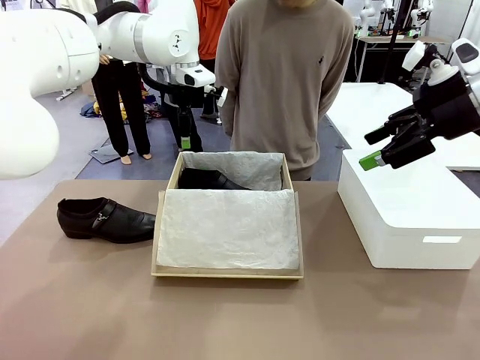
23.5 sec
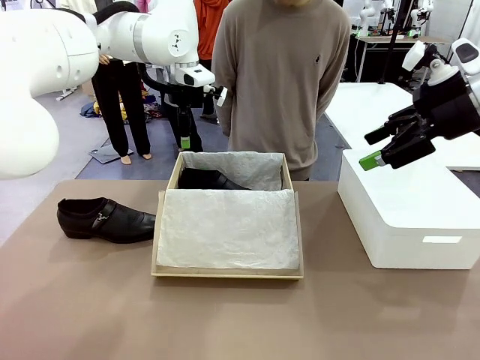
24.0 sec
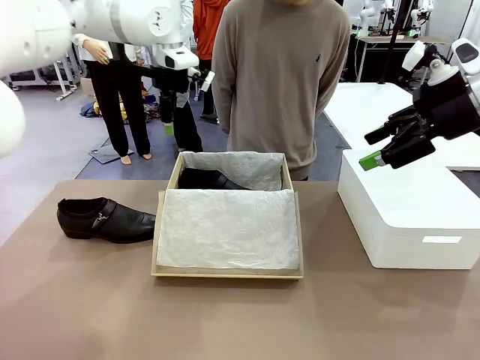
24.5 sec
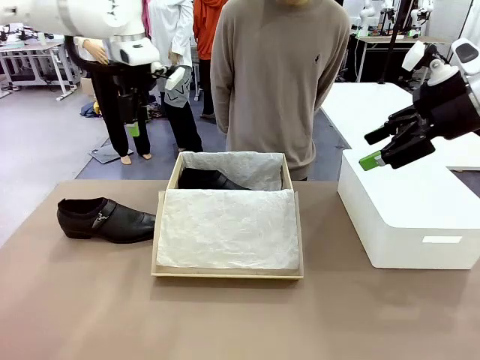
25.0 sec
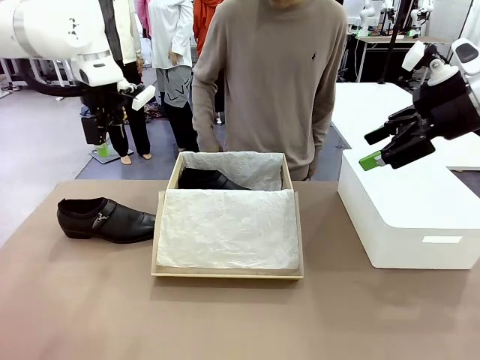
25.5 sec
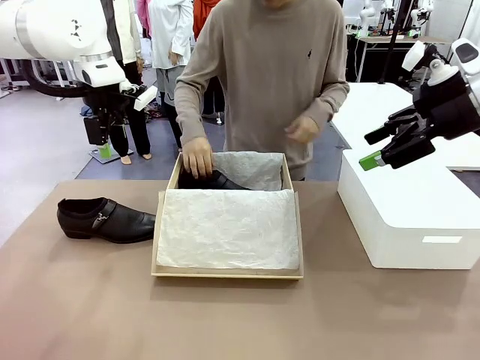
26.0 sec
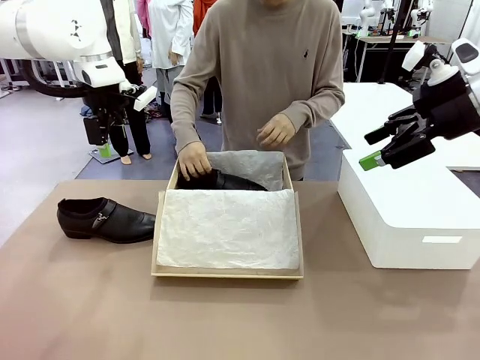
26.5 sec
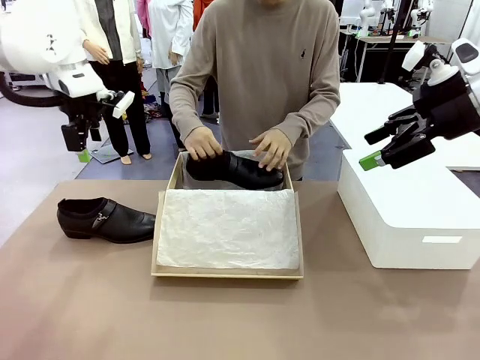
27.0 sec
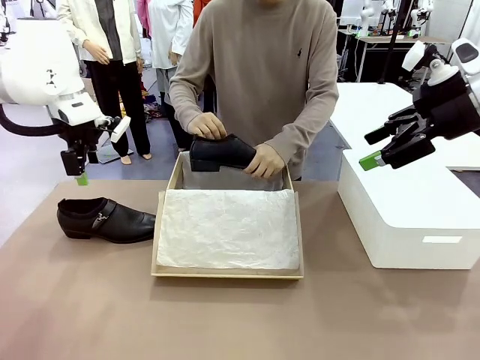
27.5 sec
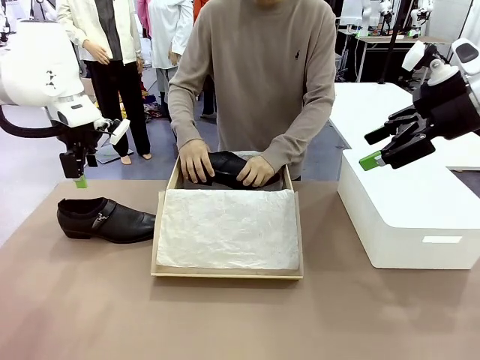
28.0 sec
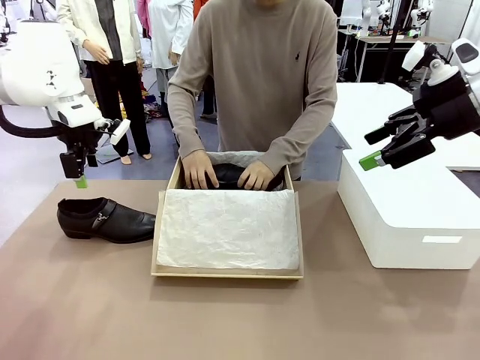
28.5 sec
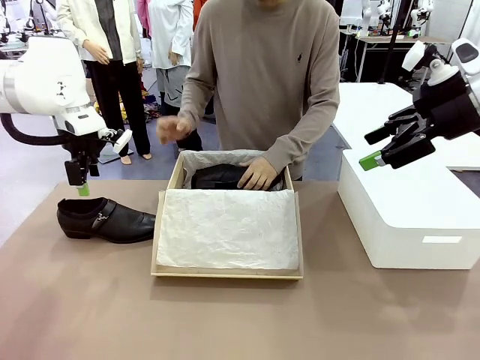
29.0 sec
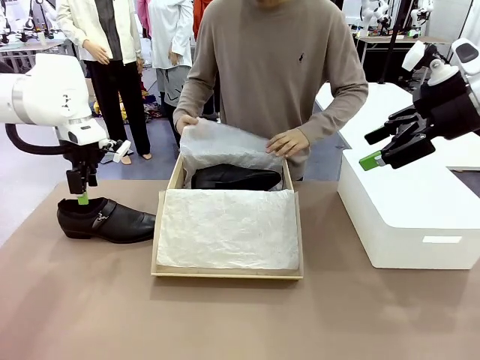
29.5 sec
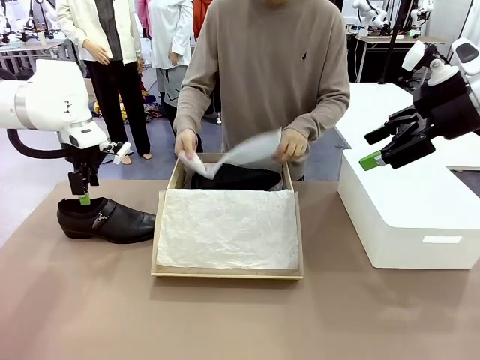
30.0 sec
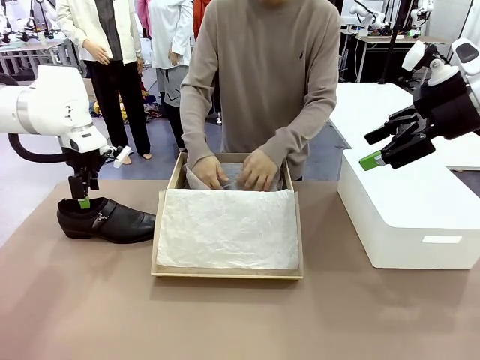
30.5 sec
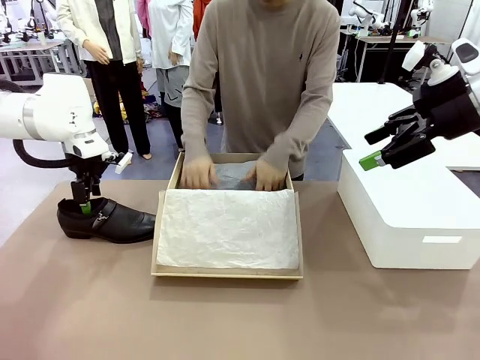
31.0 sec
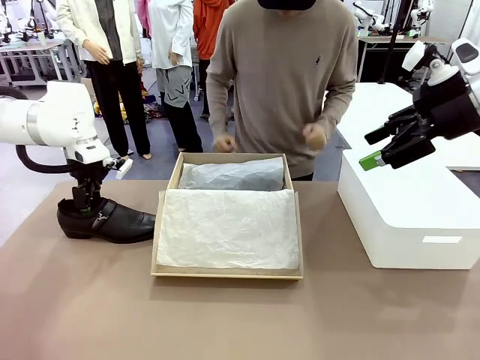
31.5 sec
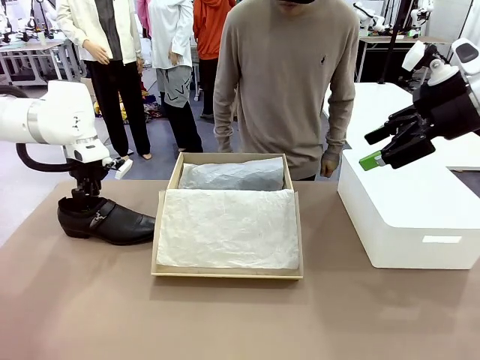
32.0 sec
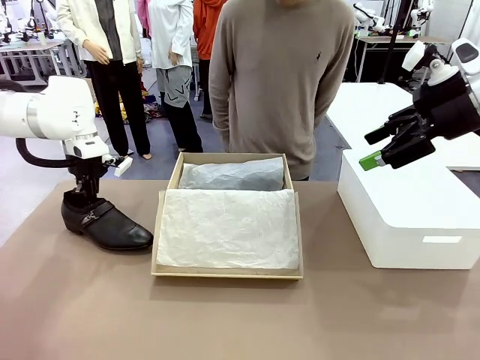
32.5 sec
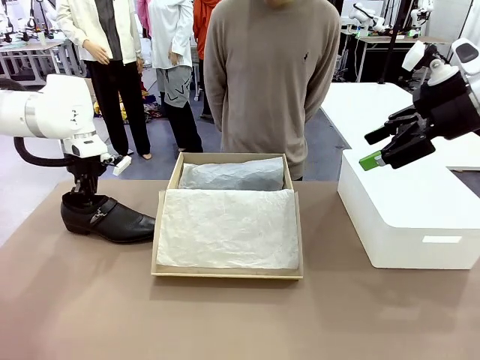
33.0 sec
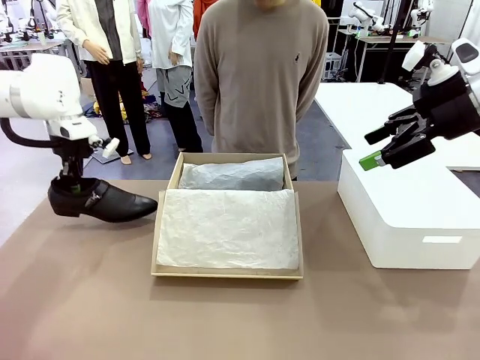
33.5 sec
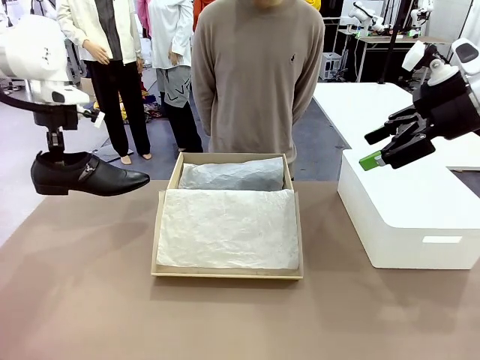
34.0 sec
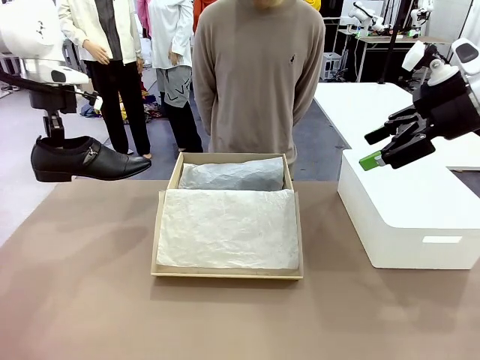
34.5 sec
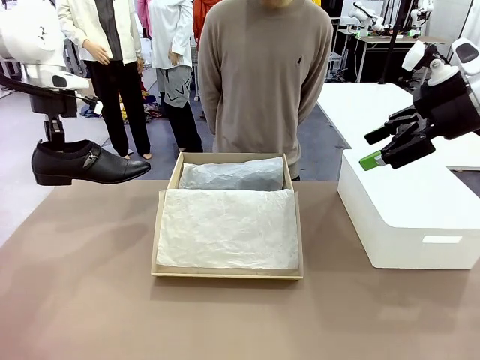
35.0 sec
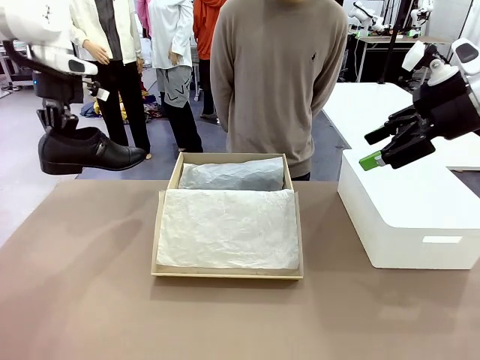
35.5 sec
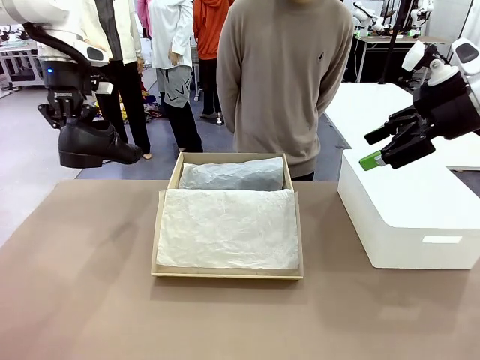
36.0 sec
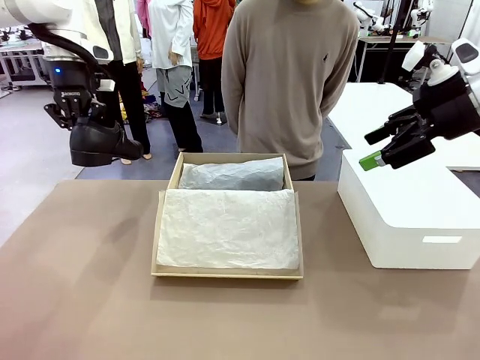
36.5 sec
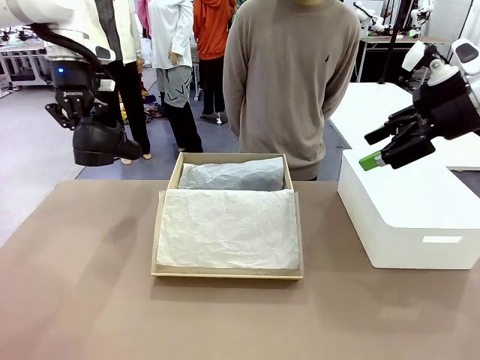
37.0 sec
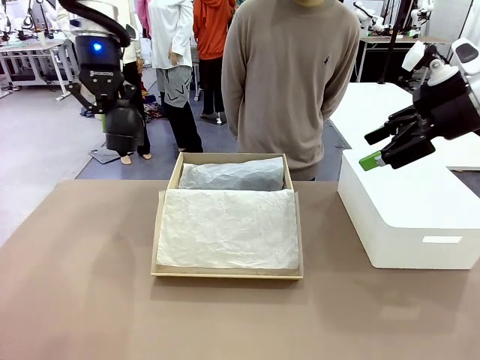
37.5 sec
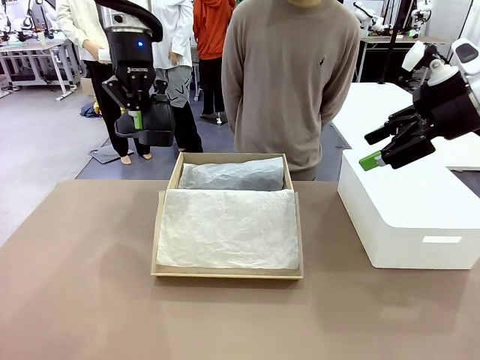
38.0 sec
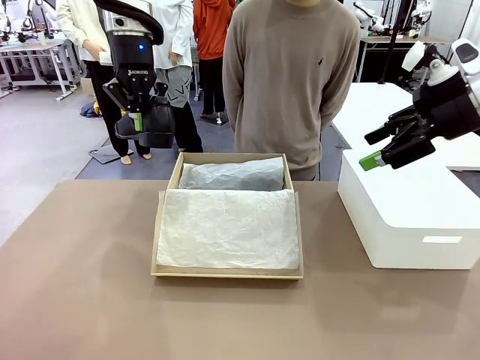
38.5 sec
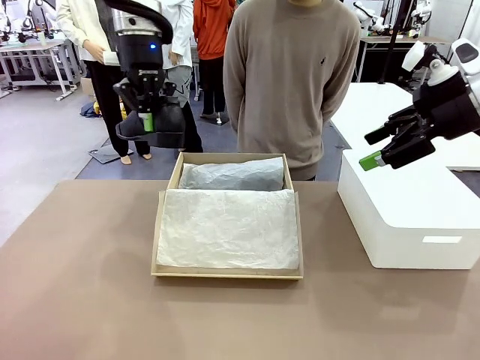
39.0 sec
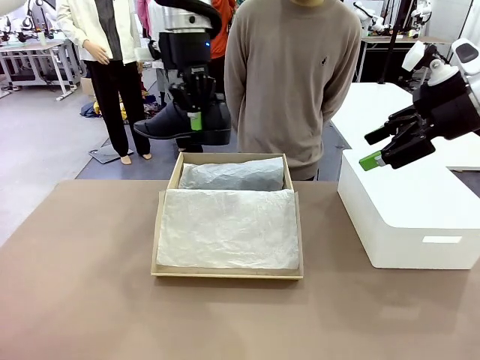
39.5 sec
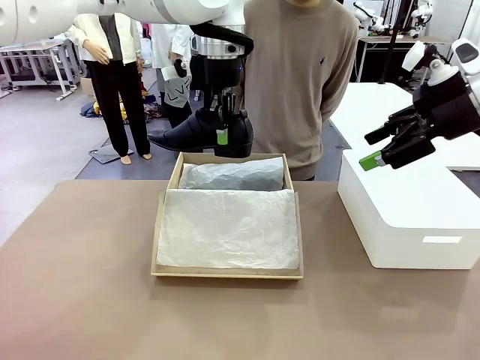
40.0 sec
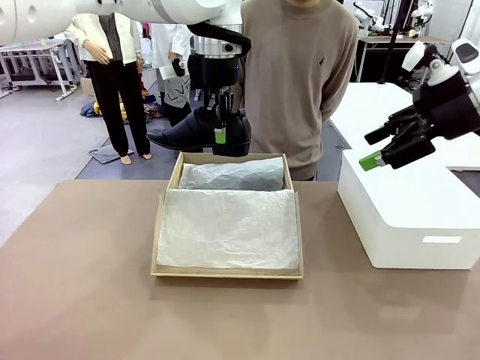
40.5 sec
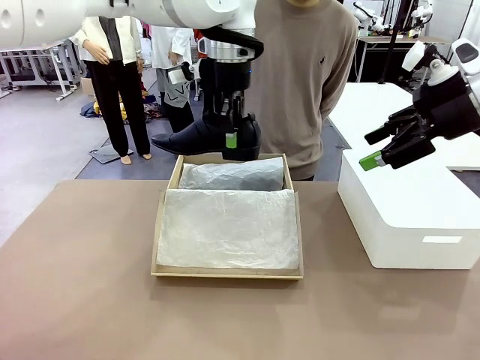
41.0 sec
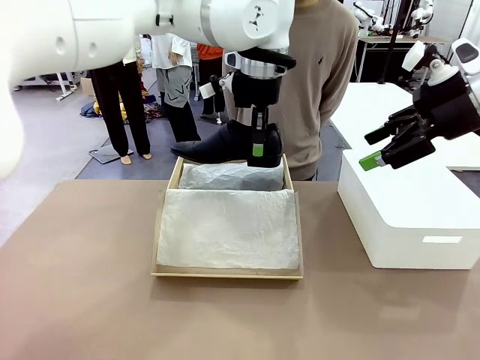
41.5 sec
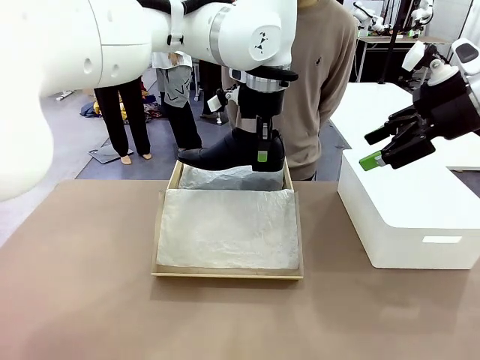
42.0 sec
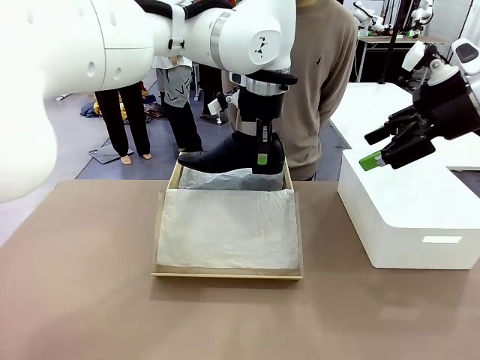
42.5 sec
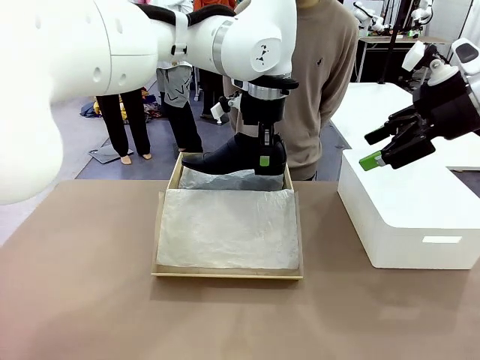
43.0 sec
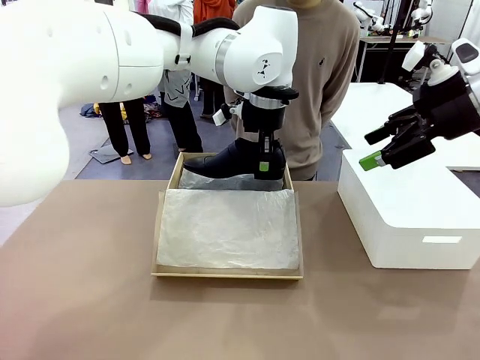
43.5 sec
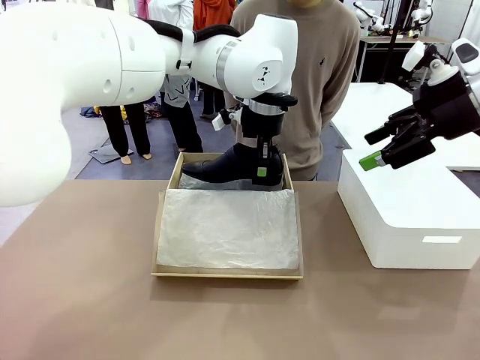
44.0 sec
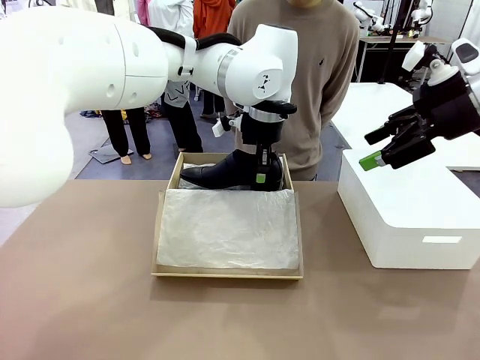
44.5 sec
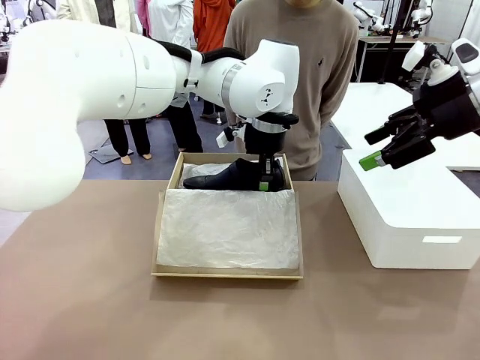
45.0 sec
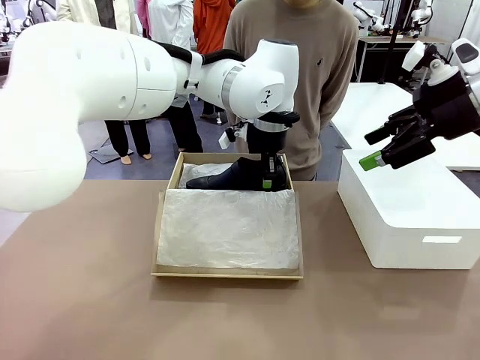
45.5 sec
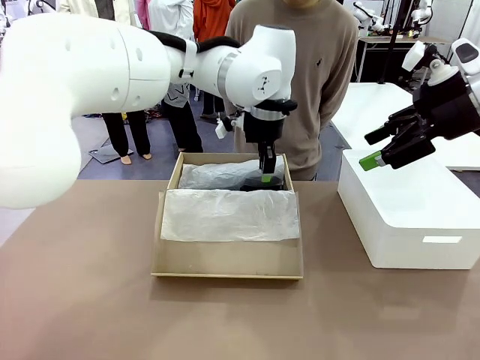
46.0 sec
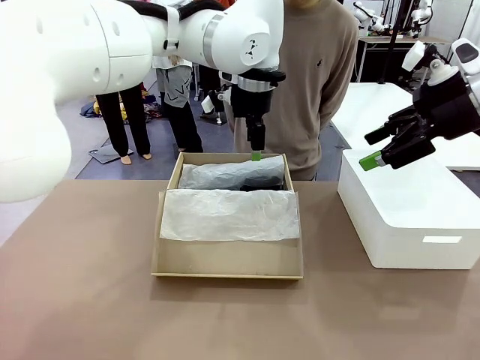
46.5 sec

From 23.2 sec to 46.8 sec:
Task: Pack the shoes into the box.
Robot: Place the other shoe of the Shoes into the Shoes Box.
Person: Pack a shoe of Shoes inside the Shoes Box with Shoes Wrapping Paper.

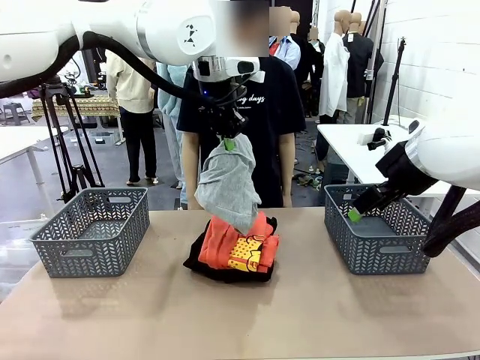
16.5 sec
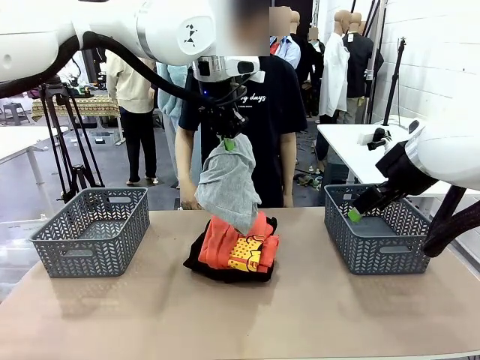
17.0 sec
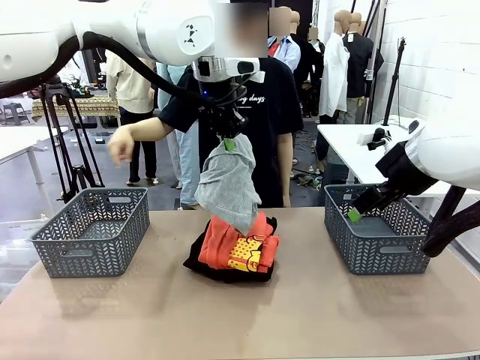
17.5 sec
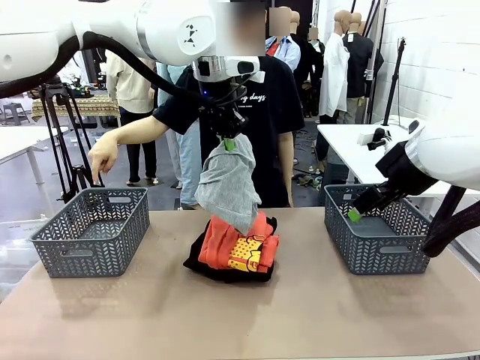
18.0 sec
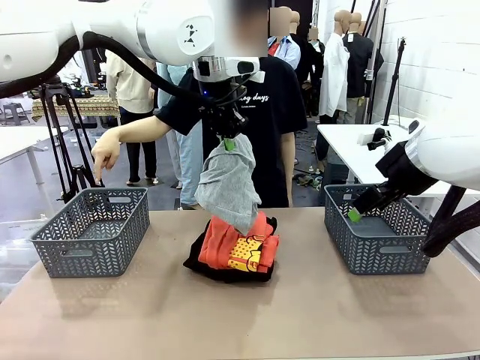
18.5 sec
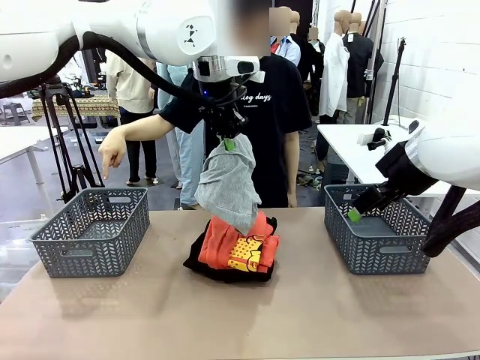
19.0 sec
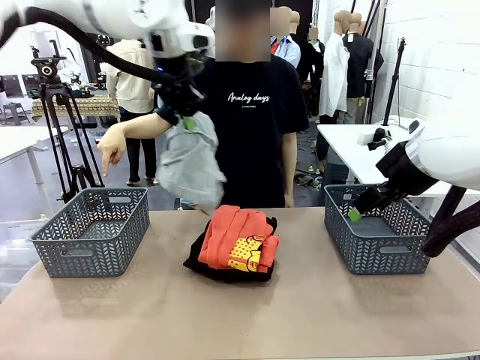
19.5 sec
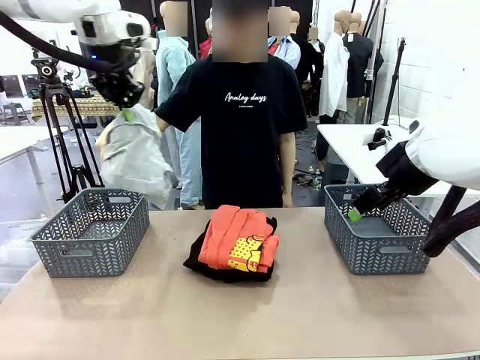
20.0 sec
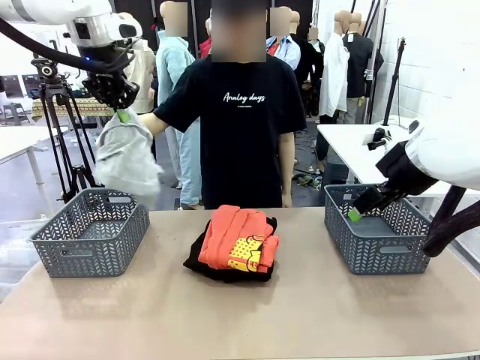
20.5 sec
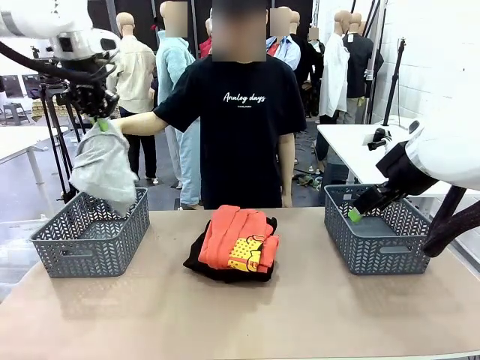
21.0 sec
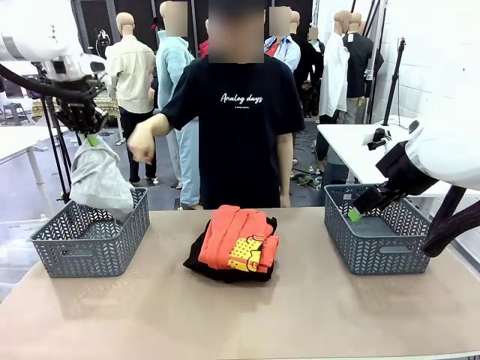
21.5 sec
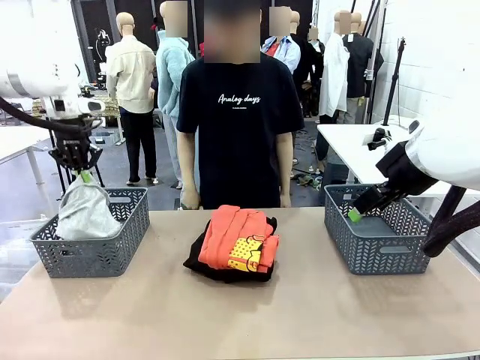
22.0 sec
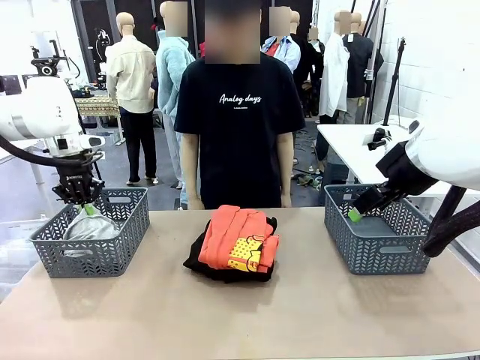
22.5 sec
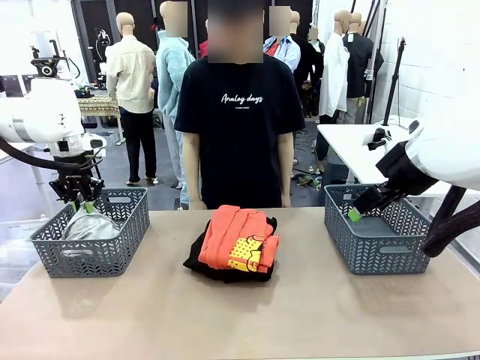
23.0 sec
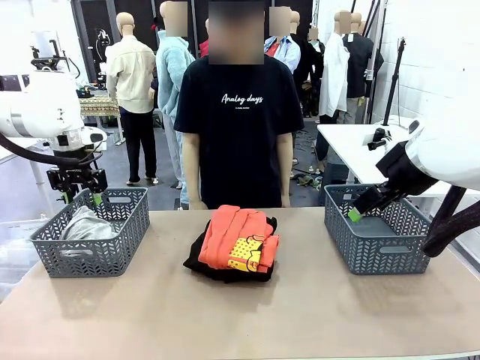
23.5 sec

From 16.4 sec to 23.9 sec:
Task: Sort the tops and bottoms.
Robot: Sort the clothes according to human instructions.
